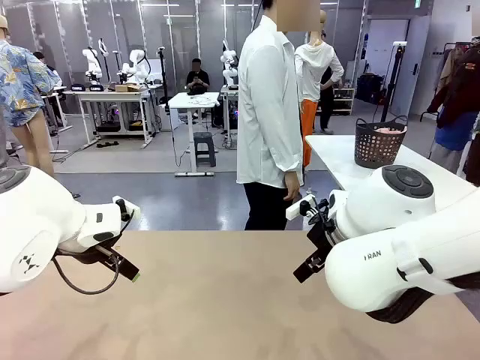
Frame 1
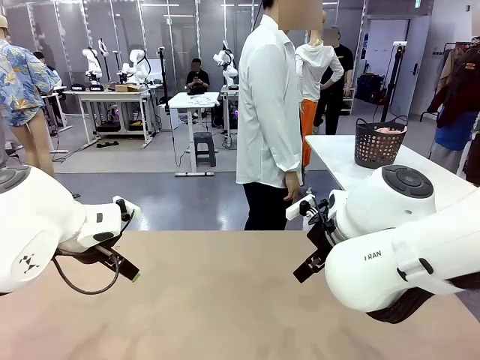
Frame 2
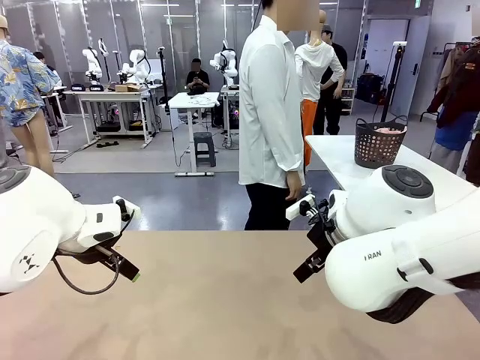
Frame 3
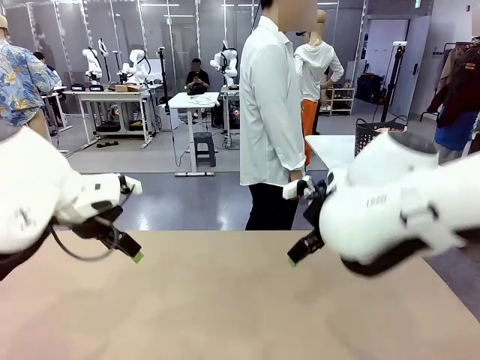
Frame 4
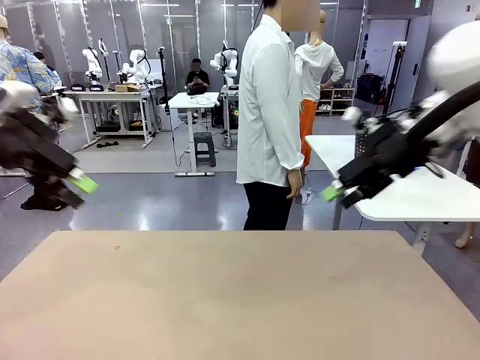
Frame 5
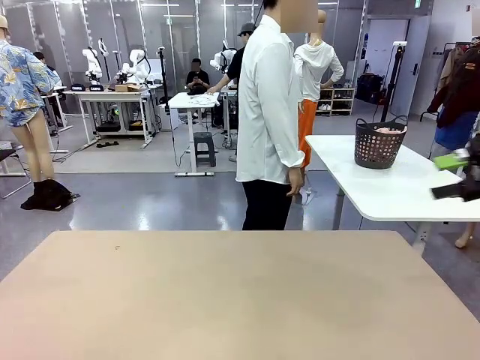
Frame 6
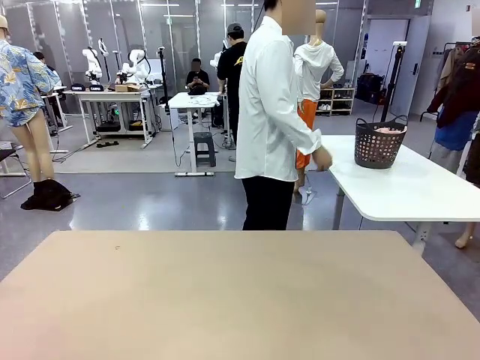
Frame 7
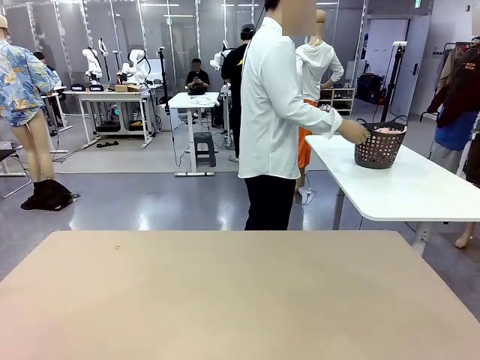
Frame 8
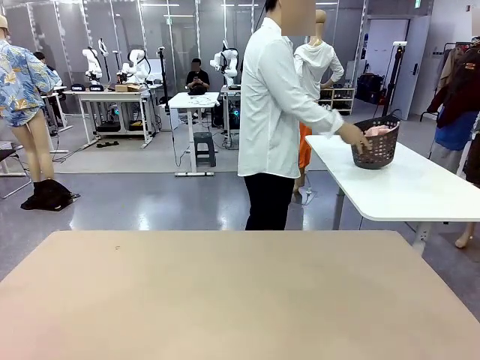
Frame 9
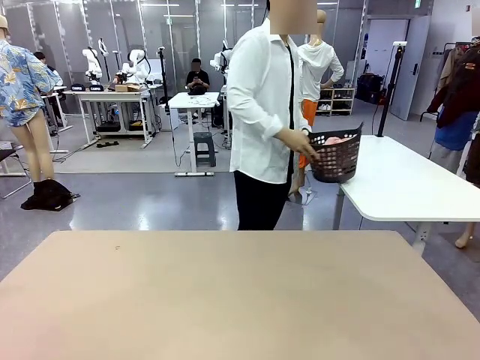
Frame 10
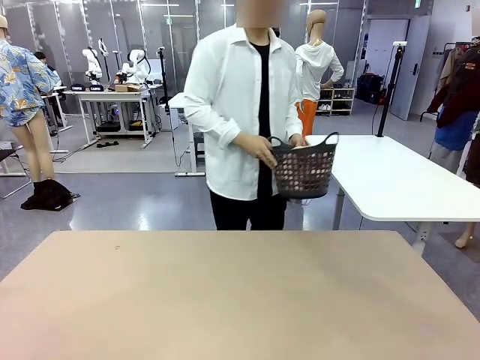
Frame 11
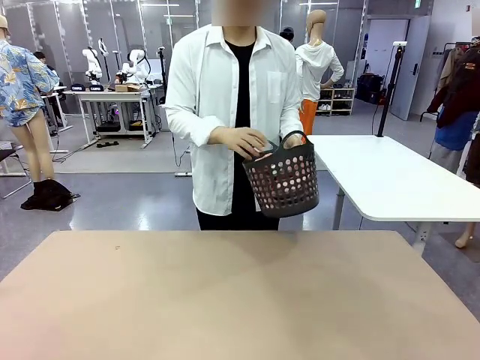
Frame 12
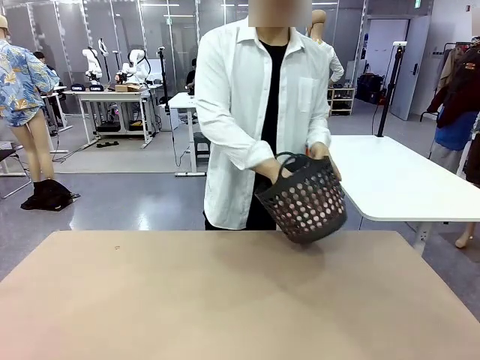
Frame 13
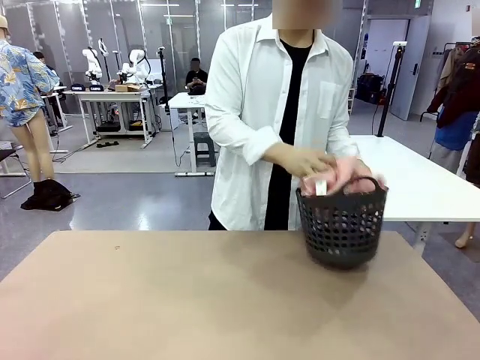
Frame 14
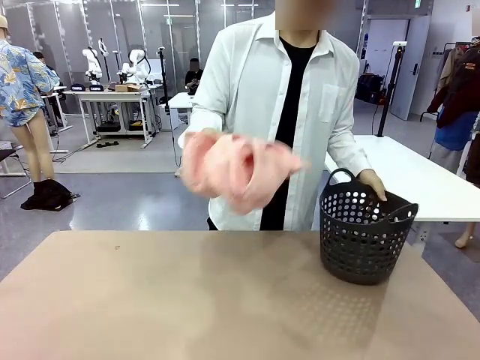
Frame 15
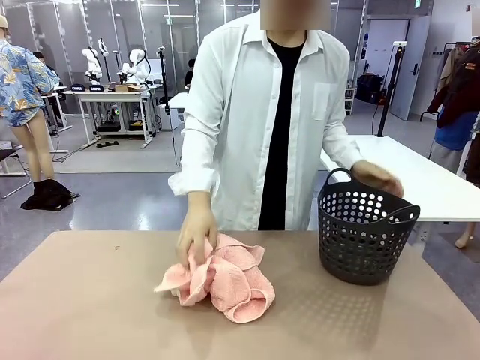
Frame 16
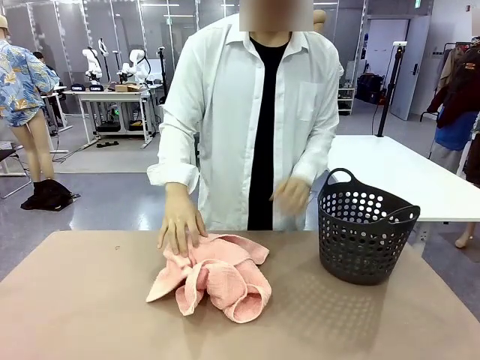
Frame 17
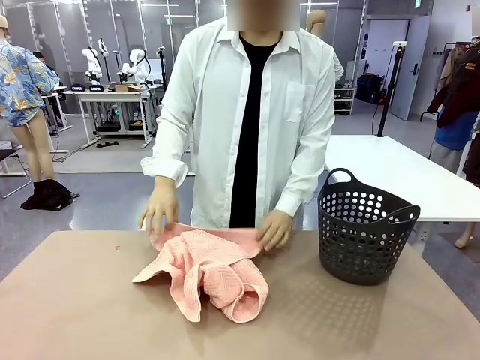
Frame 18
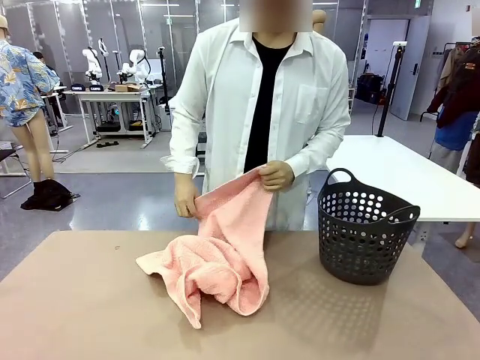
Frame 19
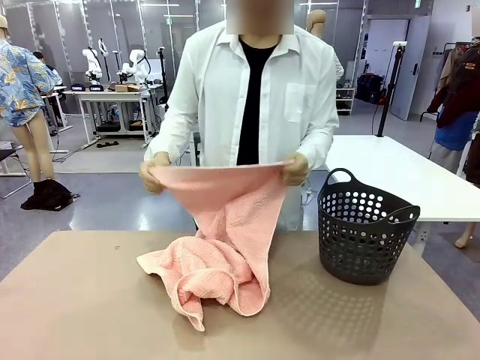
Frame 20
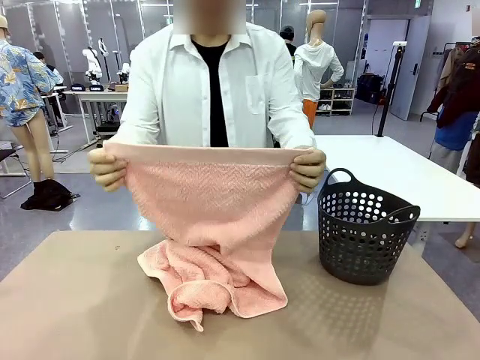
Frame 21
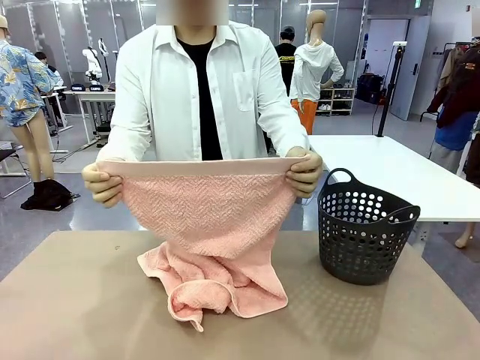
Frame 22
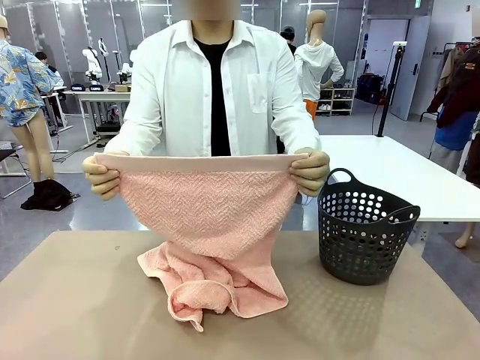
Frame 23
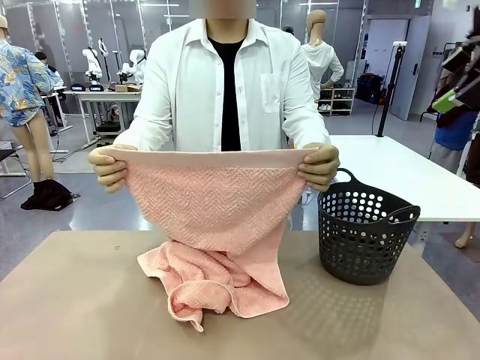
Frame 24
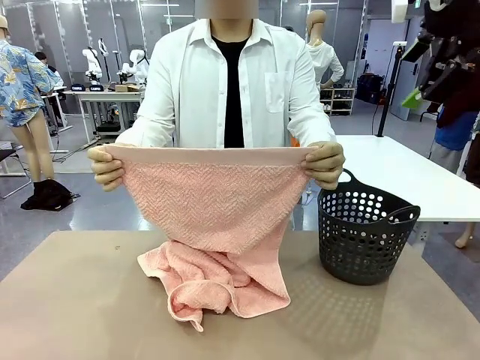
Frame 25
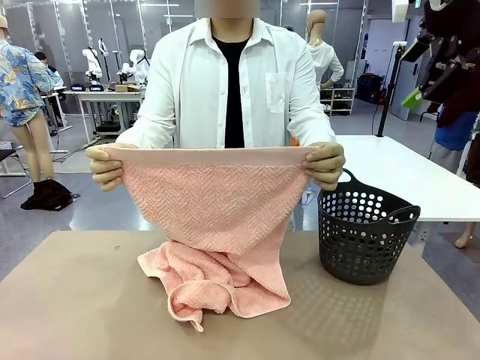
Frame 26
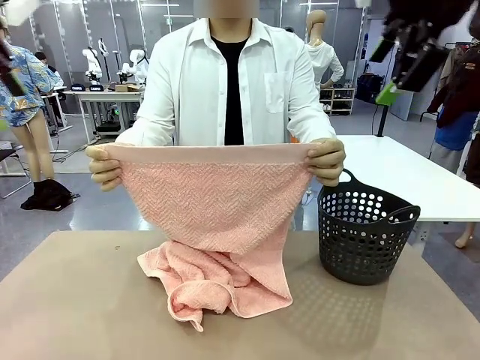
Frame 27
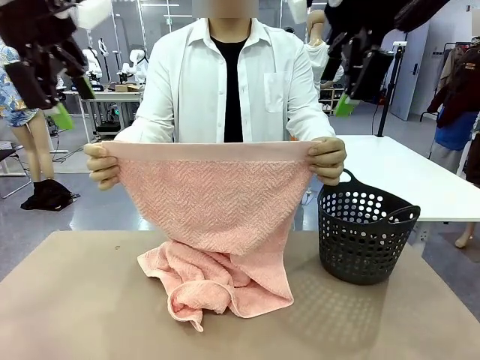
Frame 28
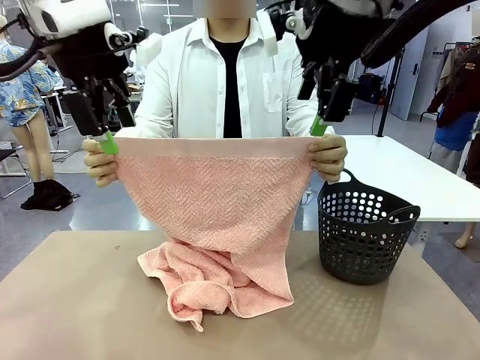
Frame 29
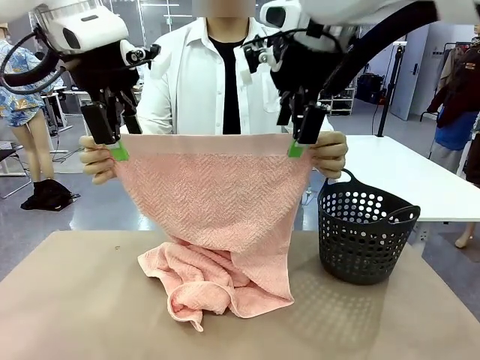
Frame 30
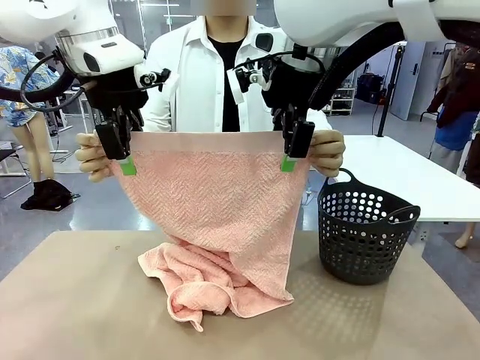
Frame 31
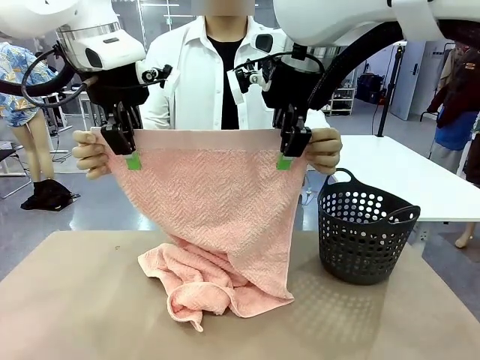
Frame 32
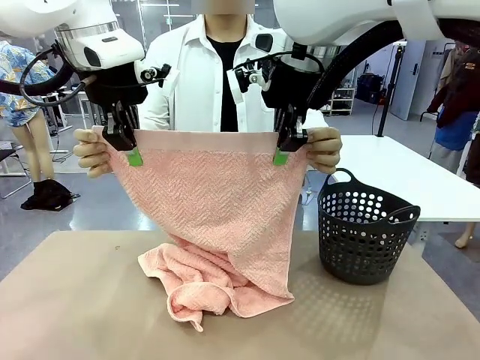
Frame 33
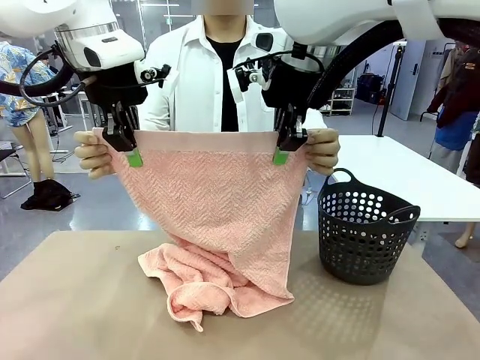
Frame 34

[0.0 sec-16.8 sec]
Task: Fold the towel.
Robot: Grab the top end of the 100 cm Hotel Towel extended by the human.
Person: Pick up the laundry basket, place it on the left side of the robot table, then take out a towel and hand it to the robot while holding both corners of one end.

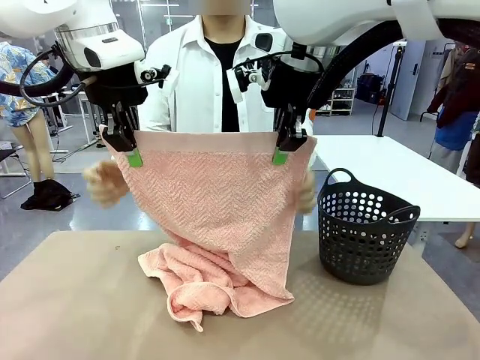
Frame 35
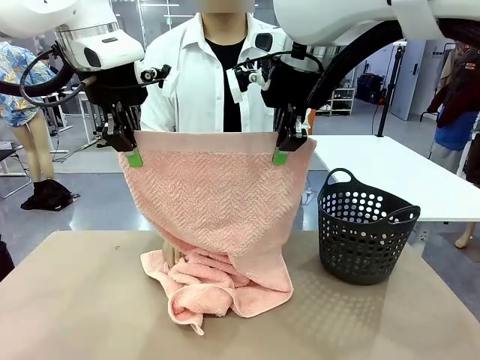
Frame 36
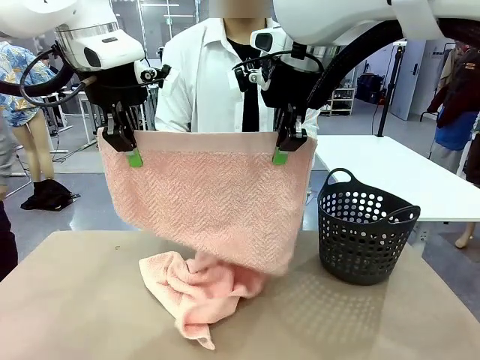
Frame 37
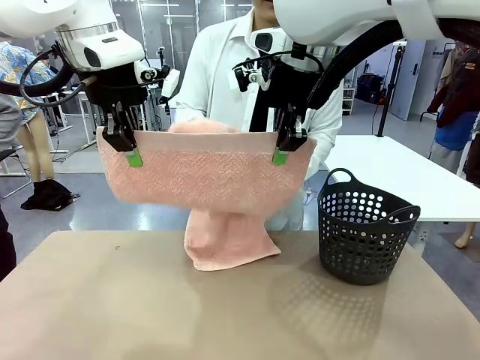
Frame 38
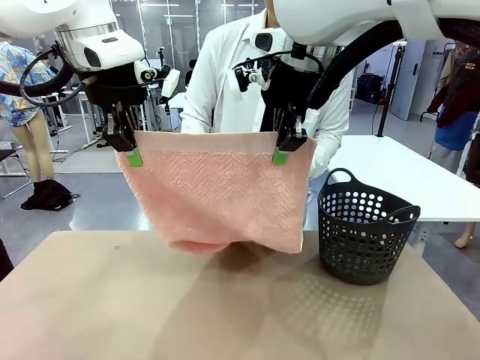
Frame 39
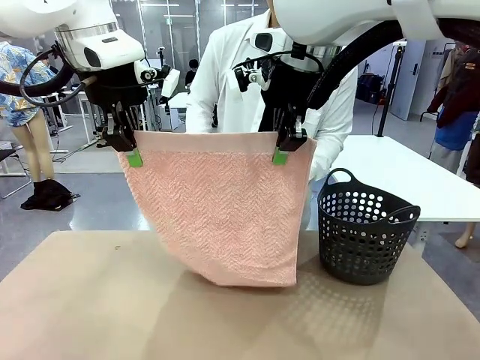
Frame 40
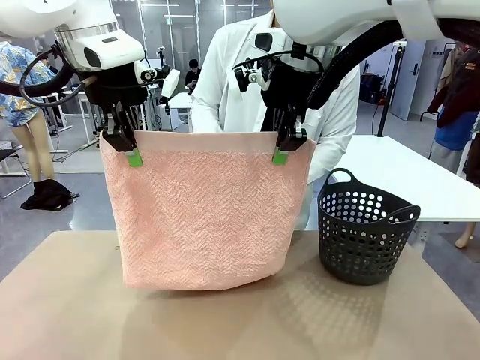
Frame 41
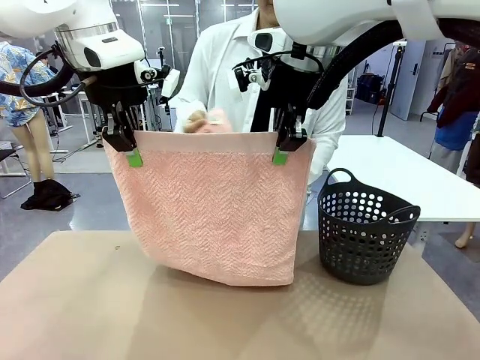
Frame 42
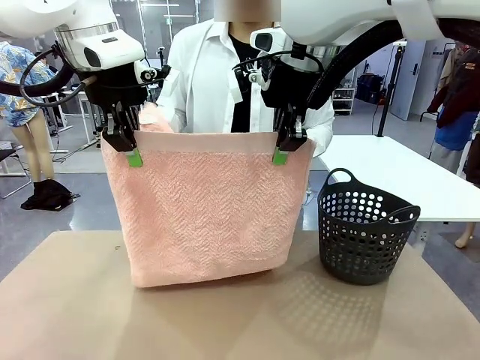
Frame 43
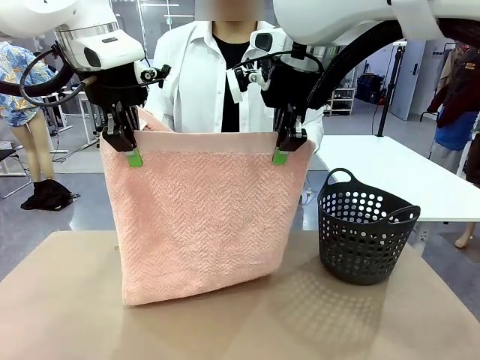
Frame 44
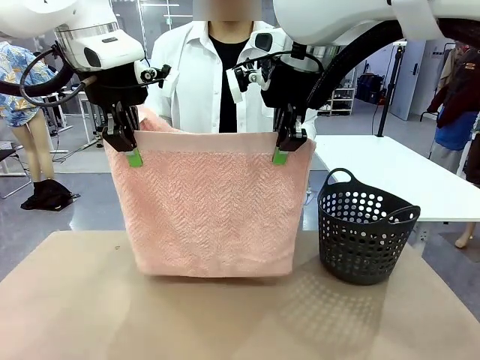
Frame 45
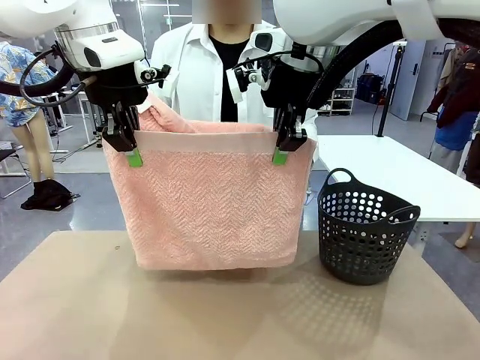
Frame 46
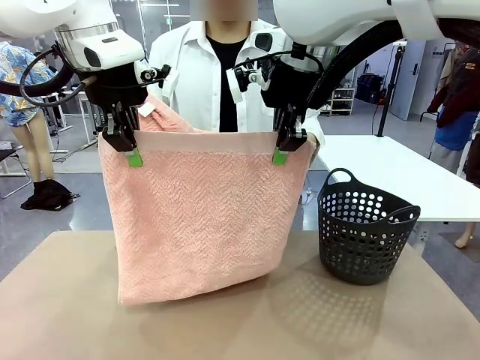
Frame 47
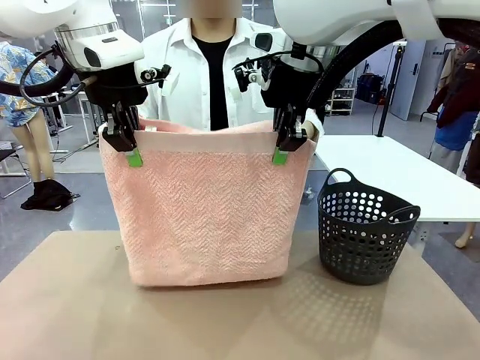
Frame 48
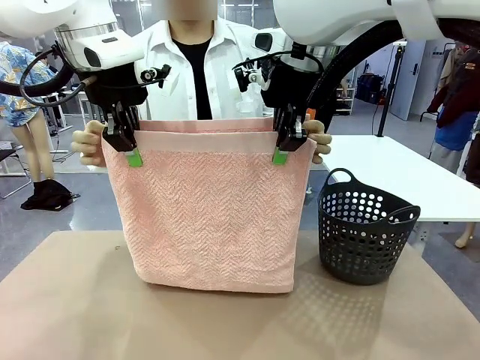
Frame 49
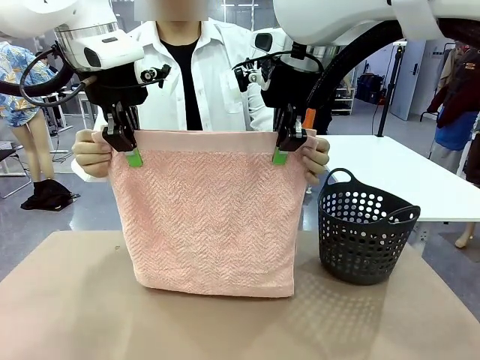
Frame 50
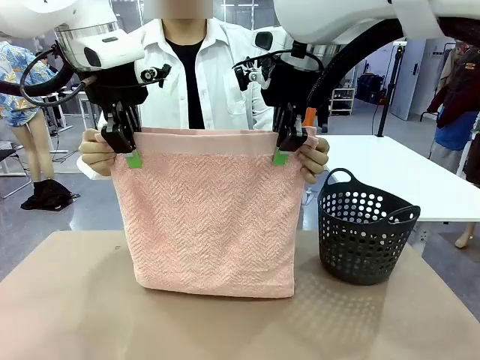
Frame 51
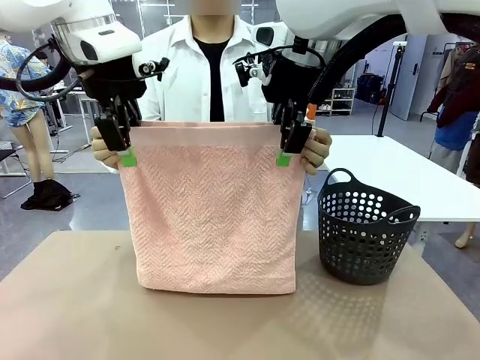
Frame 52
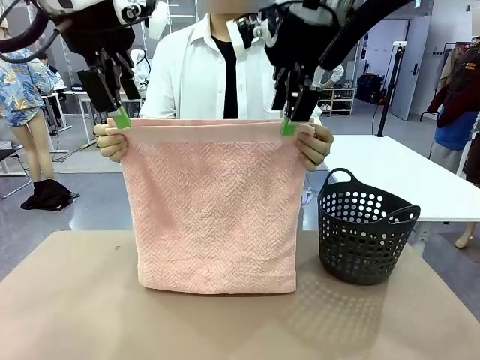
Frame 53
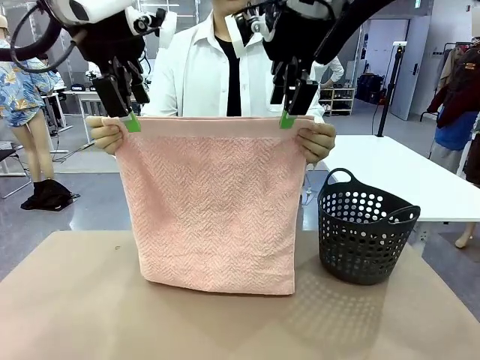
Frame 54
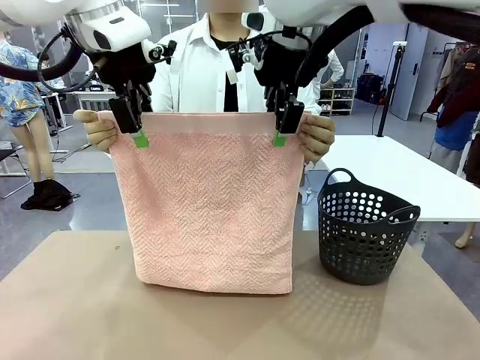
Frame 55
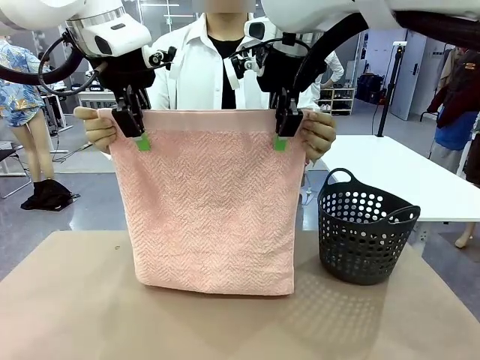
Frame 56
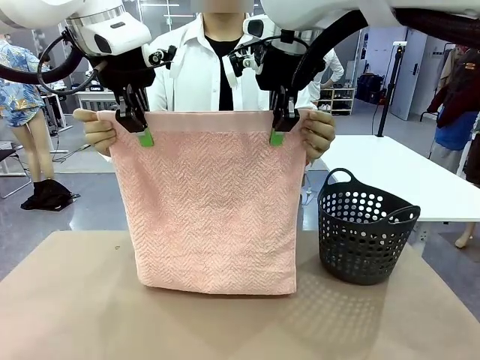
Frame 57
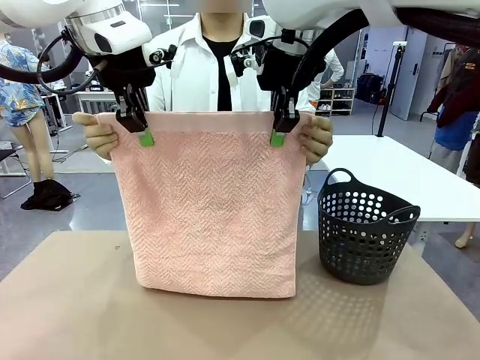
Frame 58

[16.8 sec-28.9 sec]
Robot: Release the end of the 100 cm Hotel Towel you were holding and grab the top end of the folded side.
Person: Using the point held by the robot as a reference, grasp the opposite end, fold the towel in half, and then hold both ends of the folded towel.
